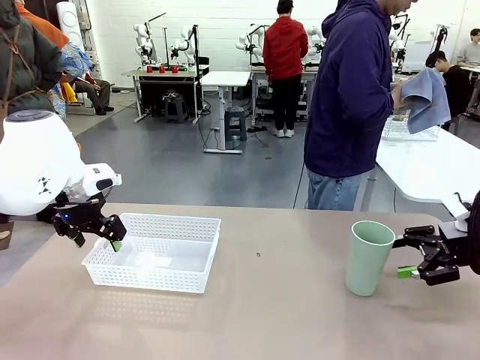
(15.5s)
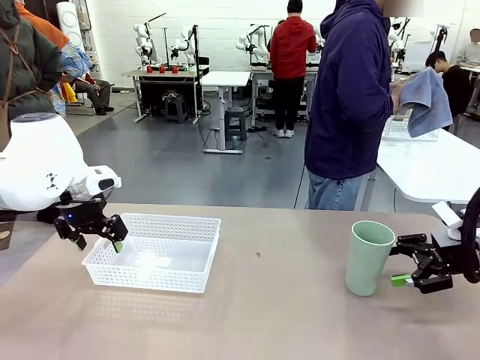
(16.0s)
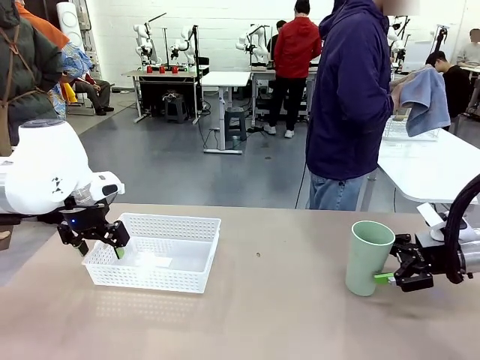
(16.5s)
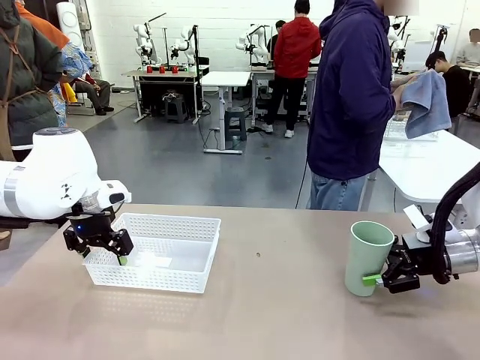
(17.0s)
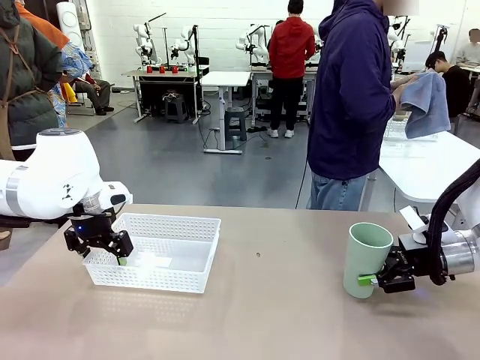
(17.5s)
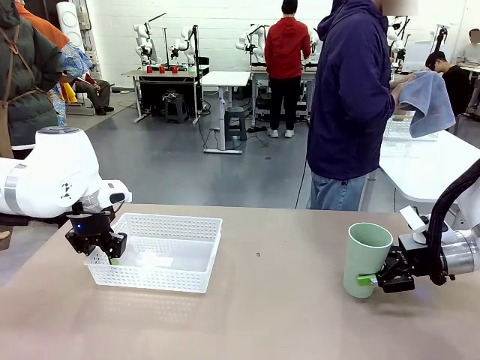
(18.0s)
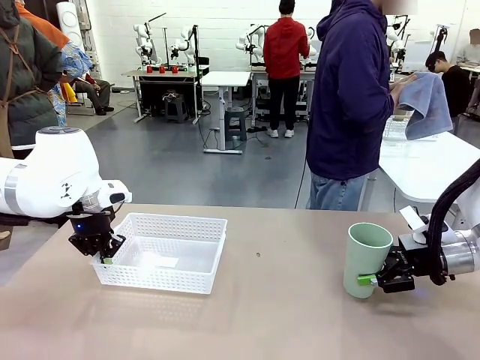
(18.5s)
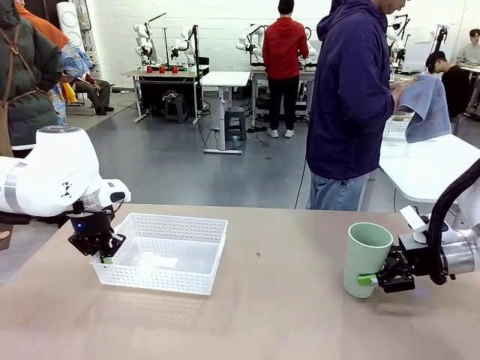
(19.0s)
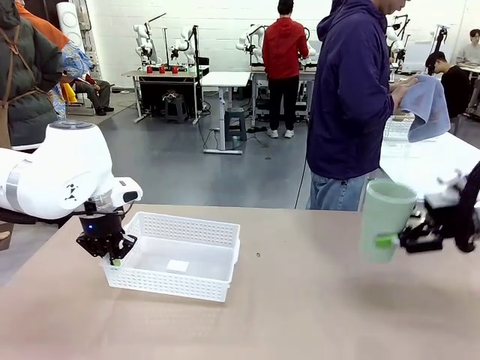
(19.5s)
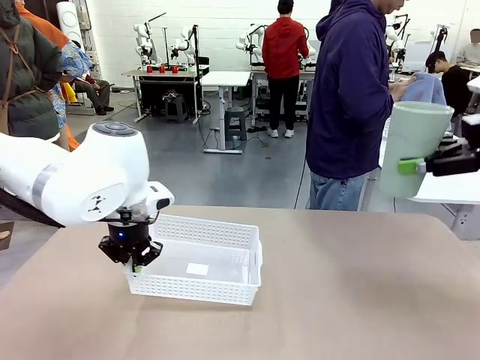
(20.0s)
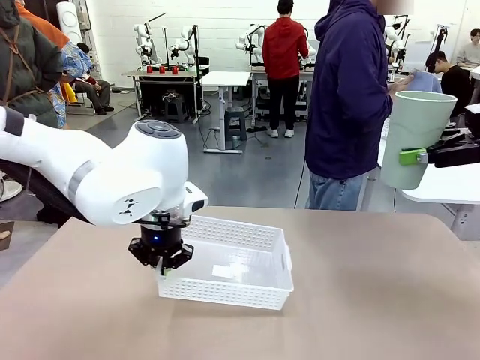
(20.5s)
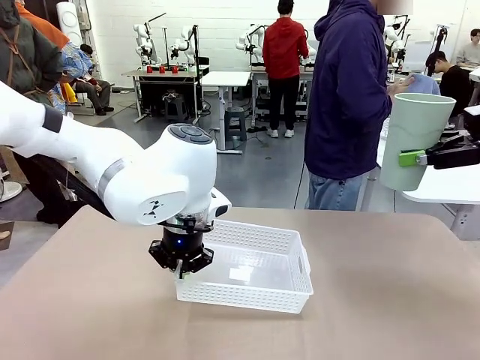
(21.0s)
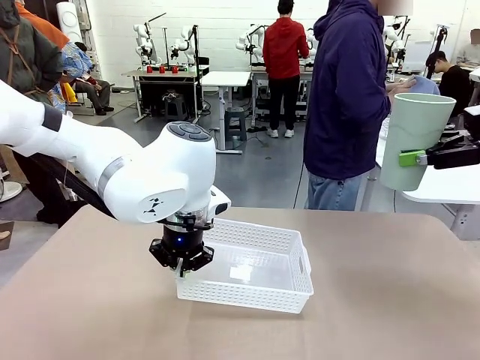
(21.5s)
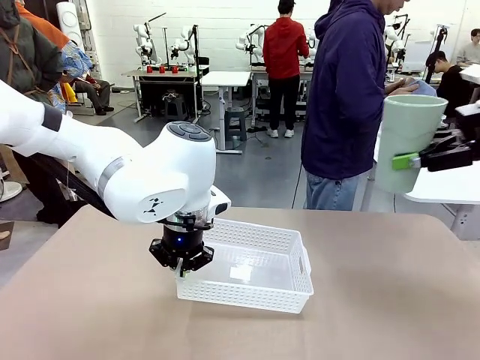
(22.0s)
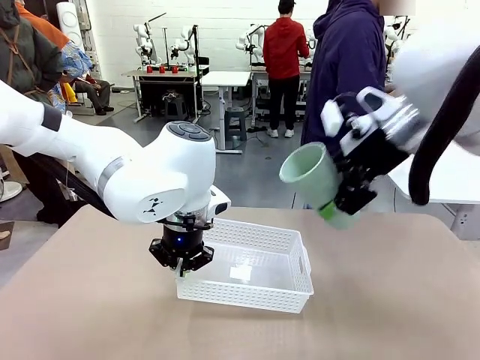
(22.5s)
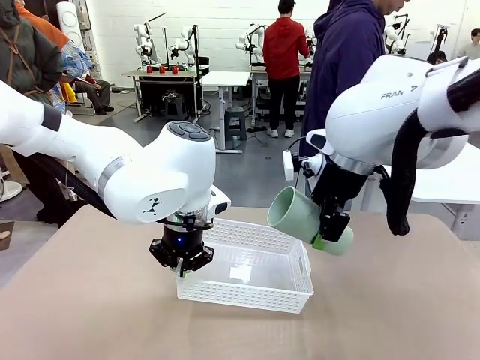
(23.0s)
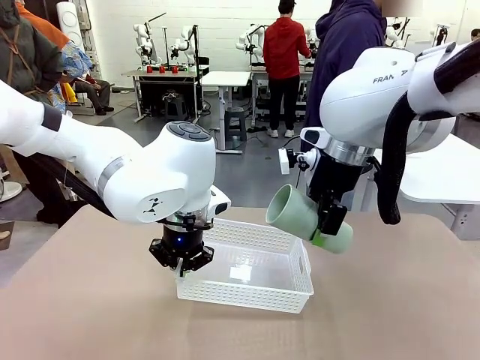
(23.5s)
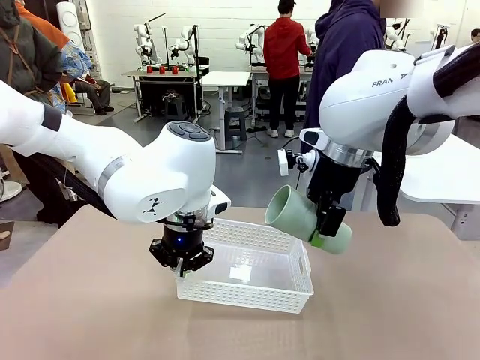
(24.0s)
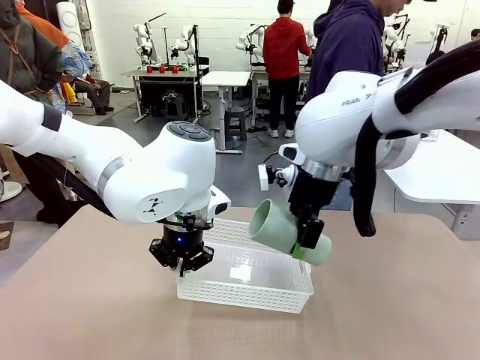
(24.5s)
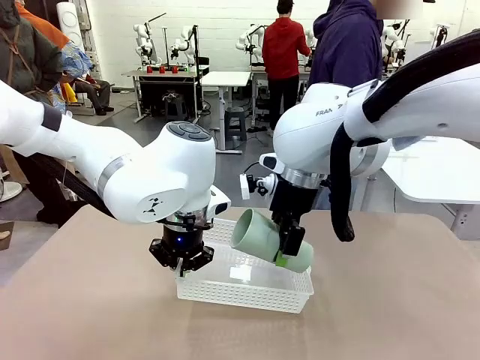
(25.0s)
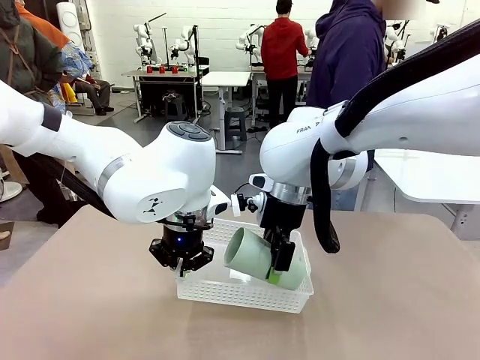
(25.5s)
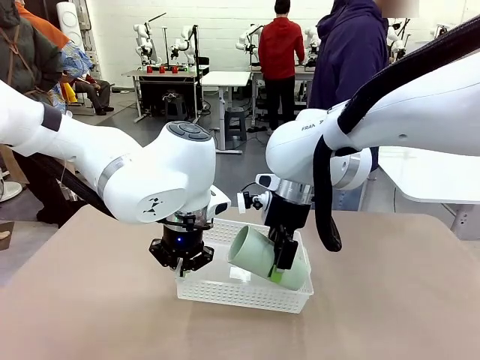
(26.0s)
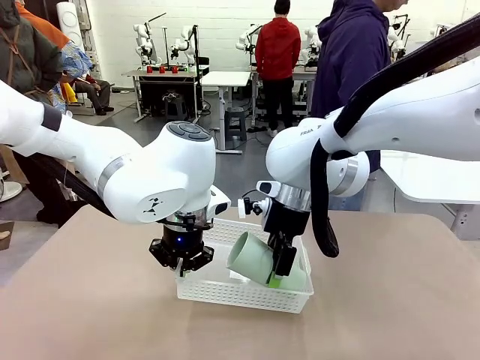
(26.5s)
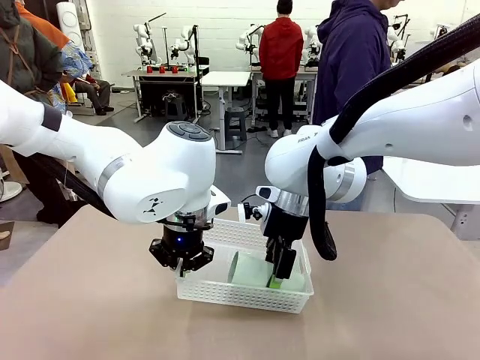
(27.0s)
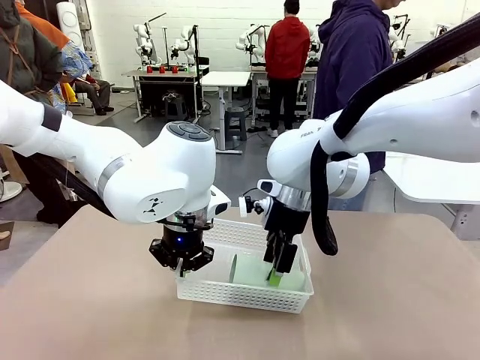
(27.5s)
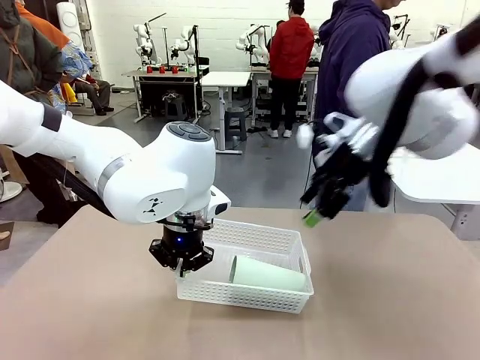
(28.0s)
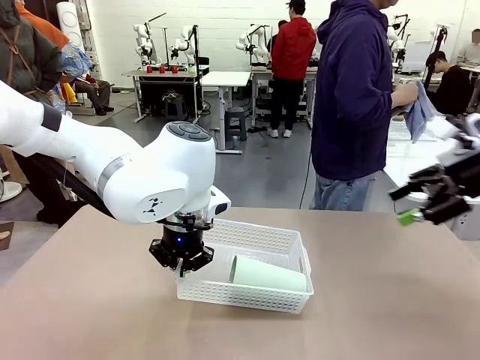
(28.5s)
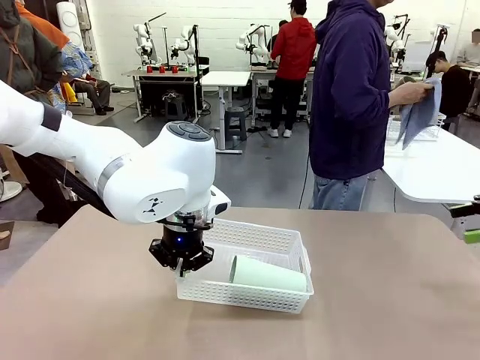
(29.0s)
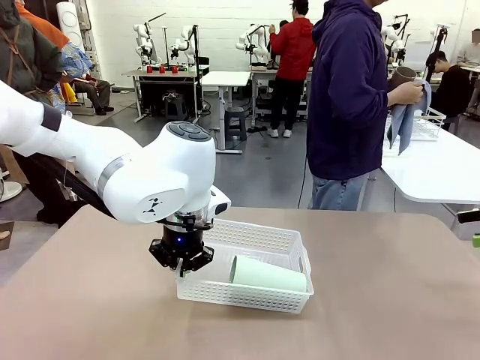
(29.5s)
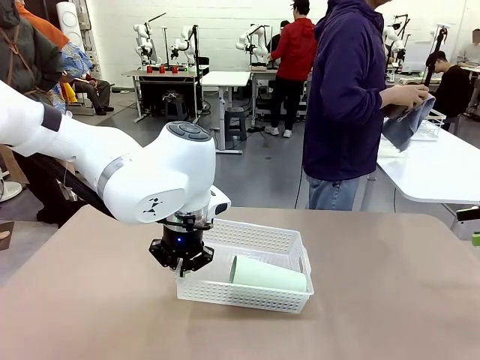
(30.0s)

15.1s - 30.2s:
Task: Clean and organize the cups into the basket.
Robot: Pick up the Organizing basket and move it to the center of the table, then pick up the Reusable plastic cup from the right side of the table and place it inside the Organizing basket.

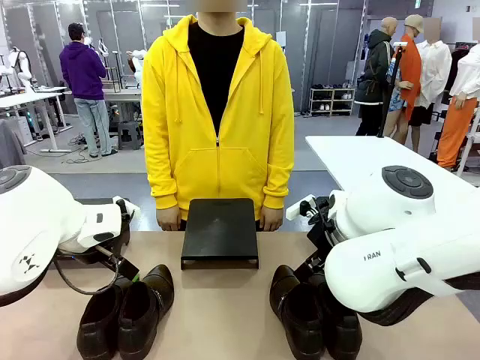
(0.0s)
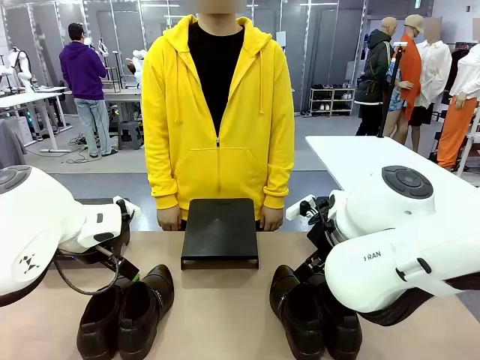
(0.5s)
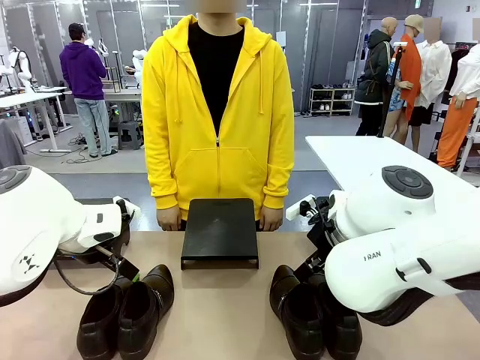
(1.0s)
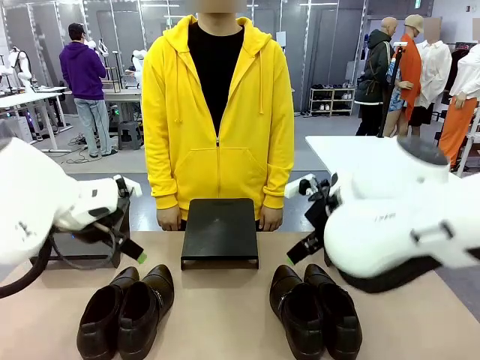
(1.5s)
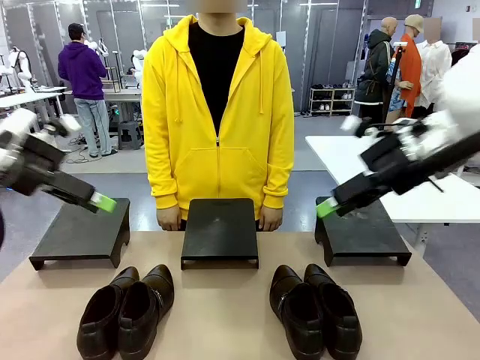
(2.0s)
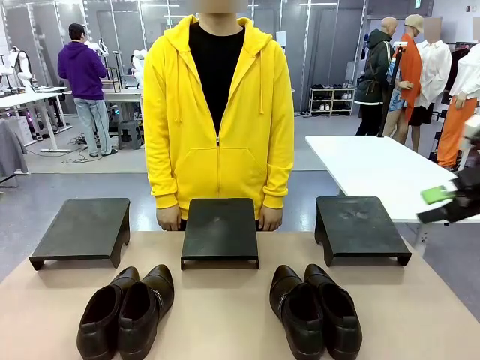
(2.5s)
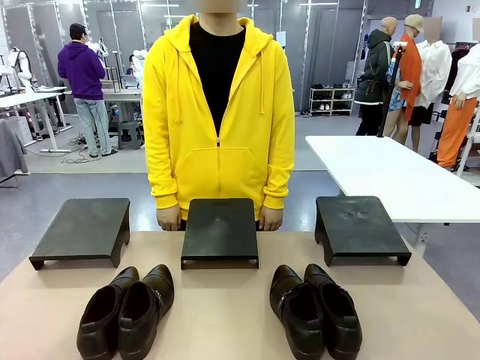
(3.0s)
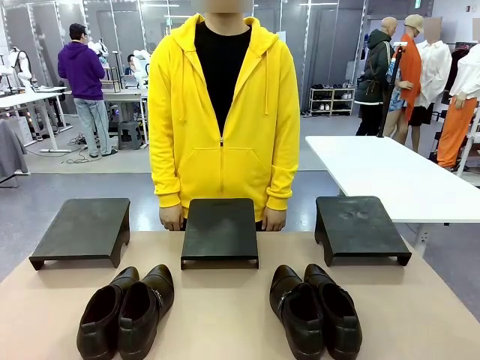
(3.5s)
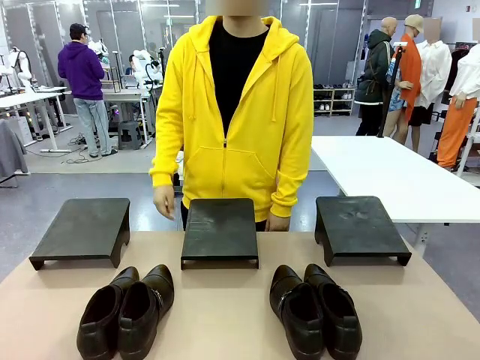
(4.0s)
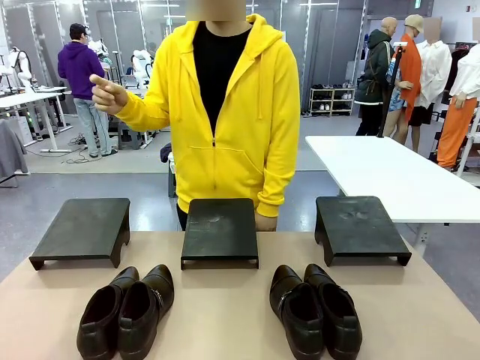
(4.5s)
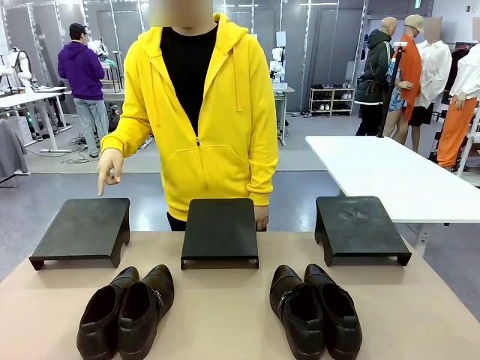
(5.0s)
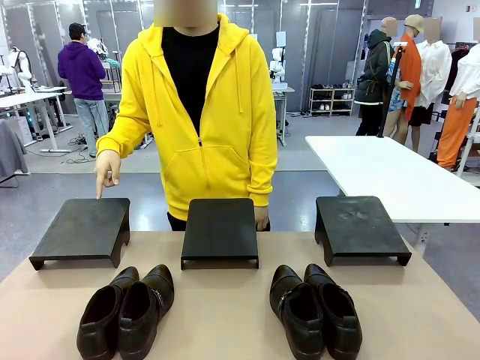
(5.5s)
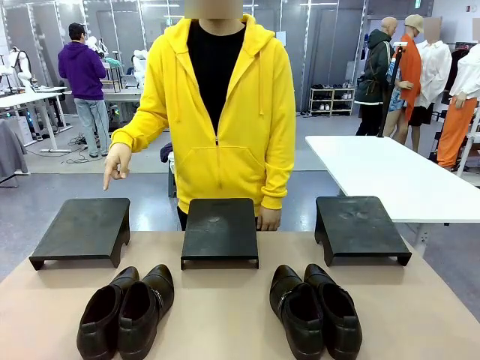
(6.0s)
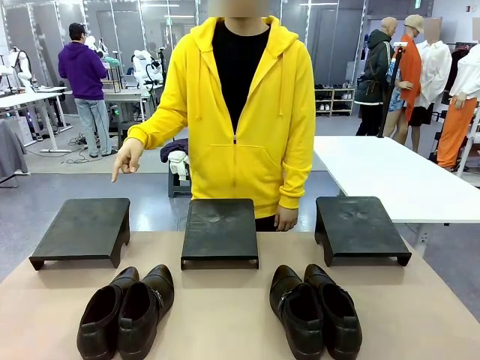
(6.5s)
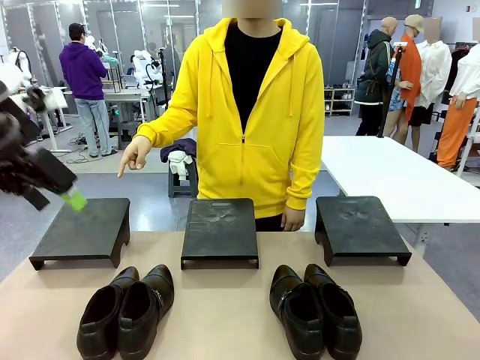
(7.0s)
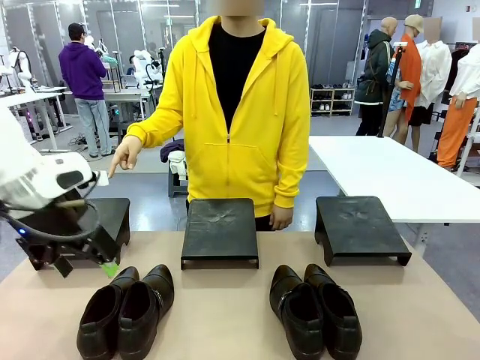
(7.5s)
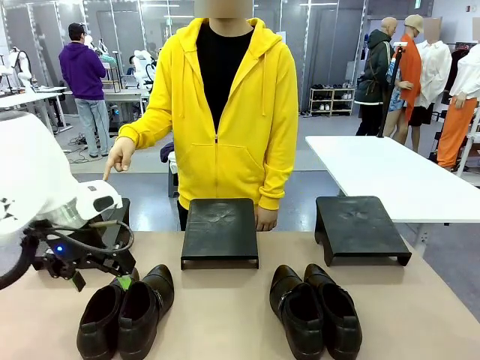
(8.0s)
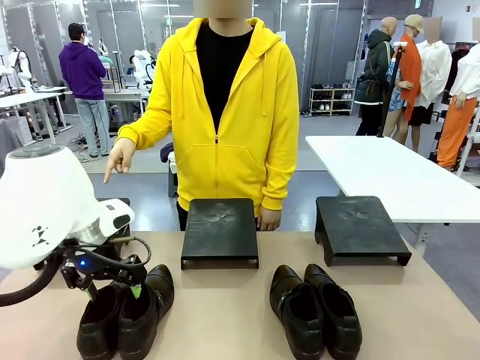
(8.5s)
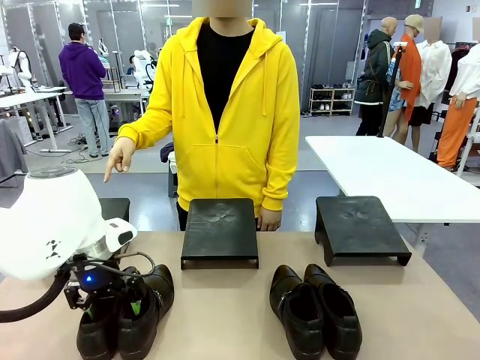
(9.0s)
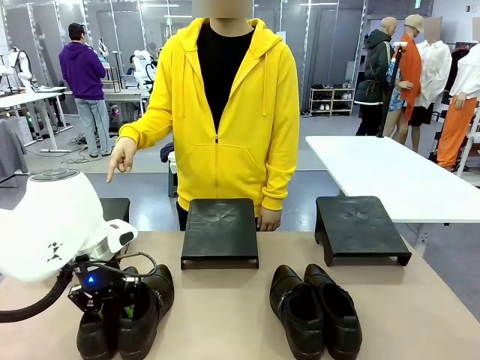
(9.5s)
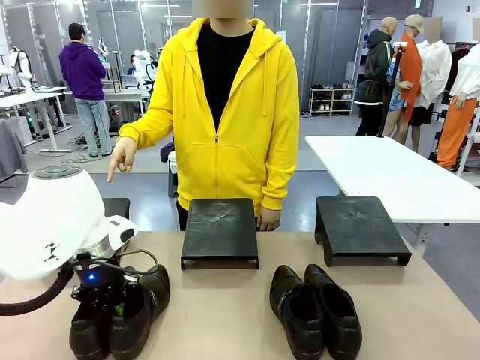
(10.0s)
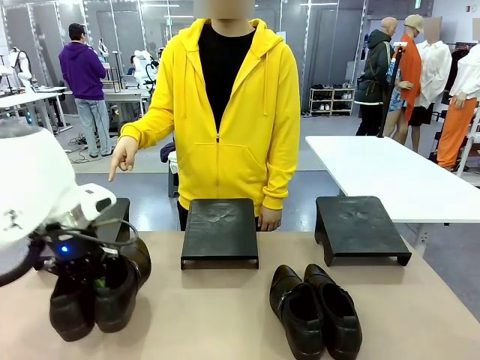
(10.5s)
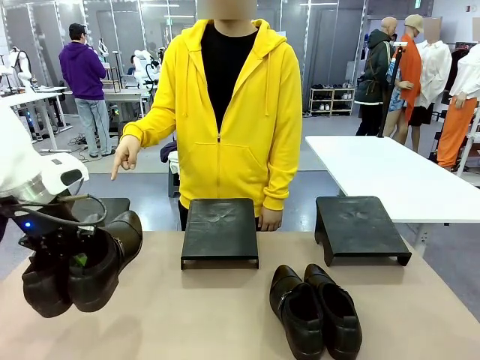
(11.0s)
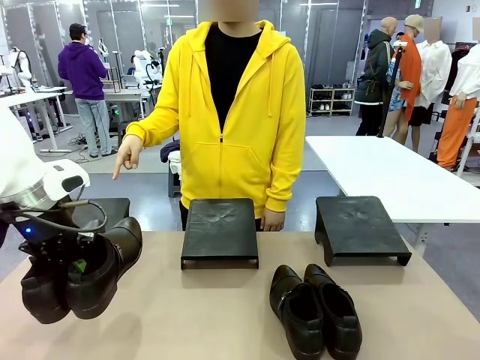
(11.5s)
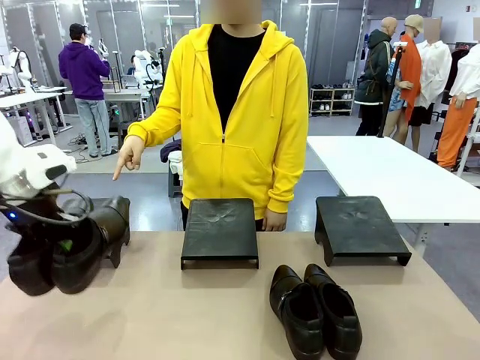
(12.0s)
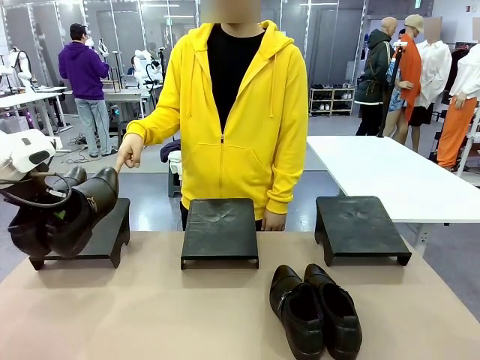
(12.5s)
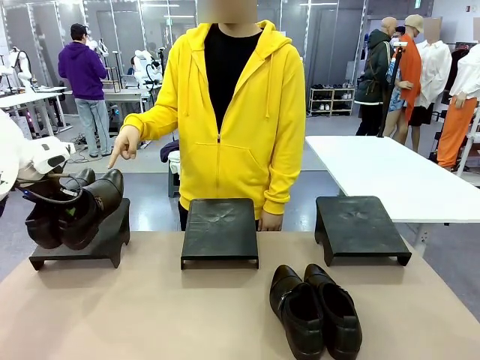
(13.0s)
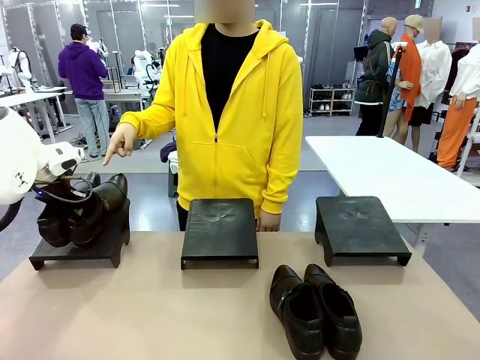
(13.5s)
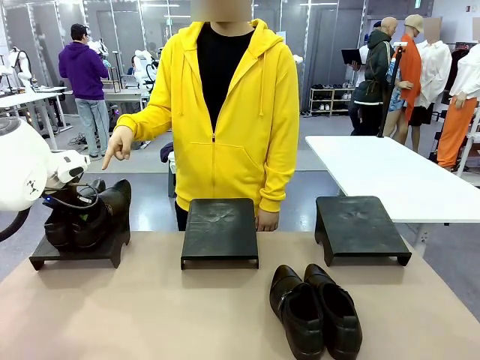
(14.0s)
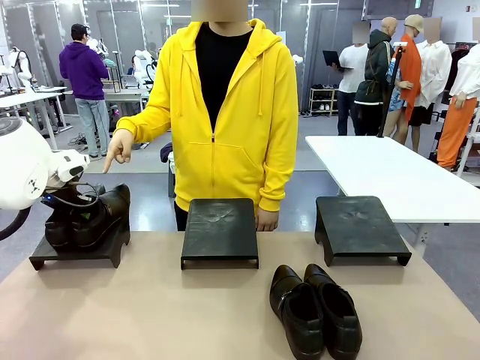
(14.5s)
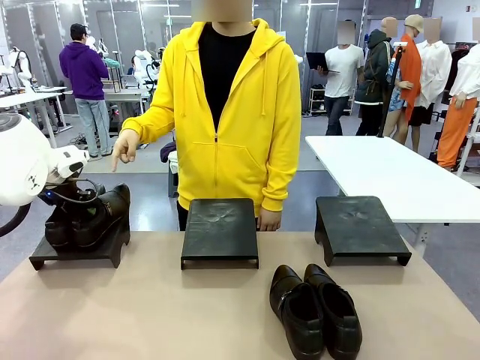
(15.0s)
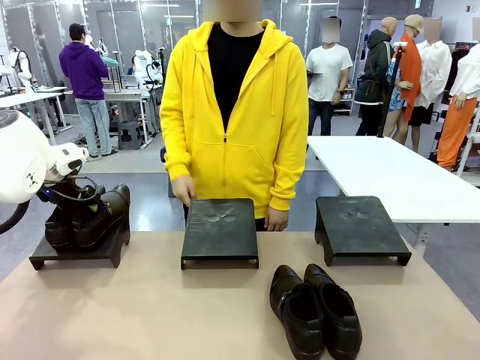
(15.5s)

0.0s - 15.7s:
Task: Place the shoes on the stand as instructed by the person.
Robot: Pick up one pair of Shoes and place it on the Shoes Stand indicated by the person.
